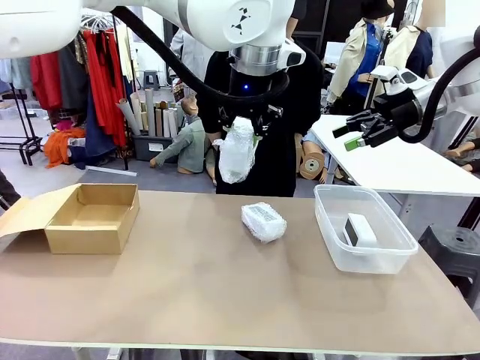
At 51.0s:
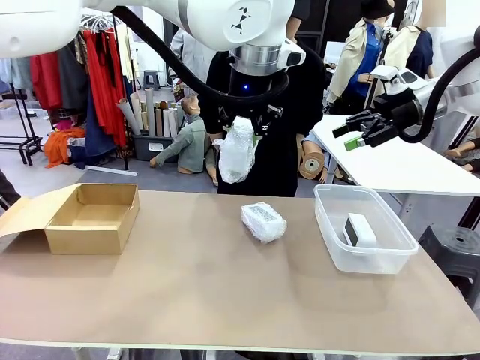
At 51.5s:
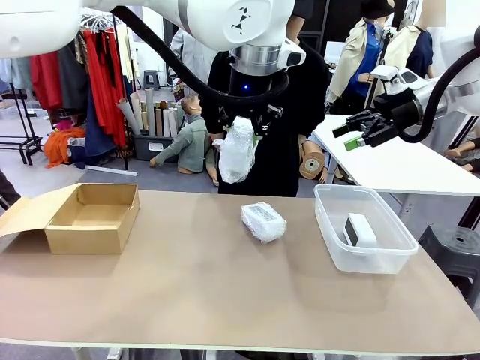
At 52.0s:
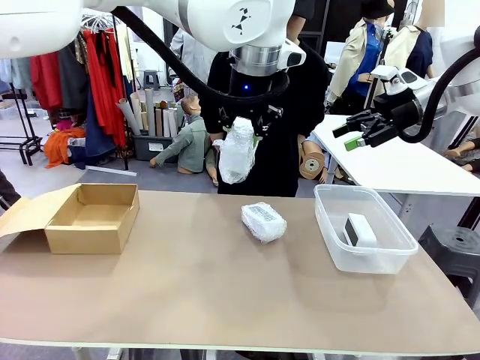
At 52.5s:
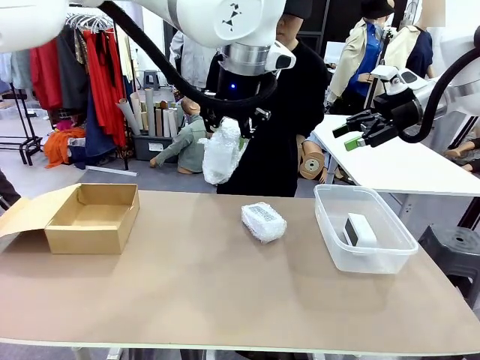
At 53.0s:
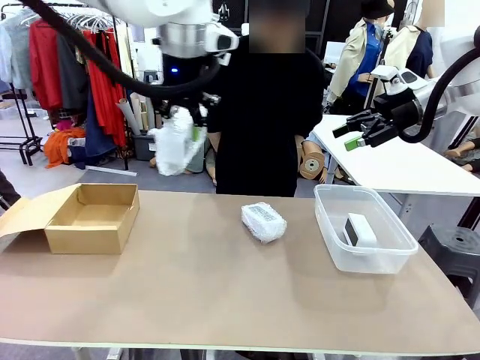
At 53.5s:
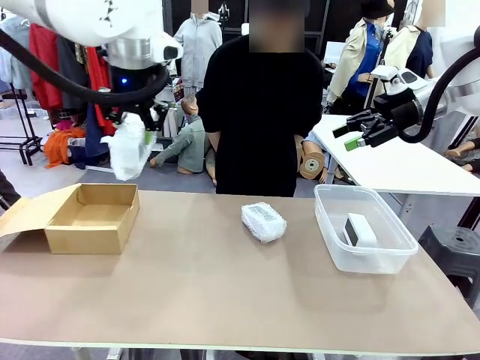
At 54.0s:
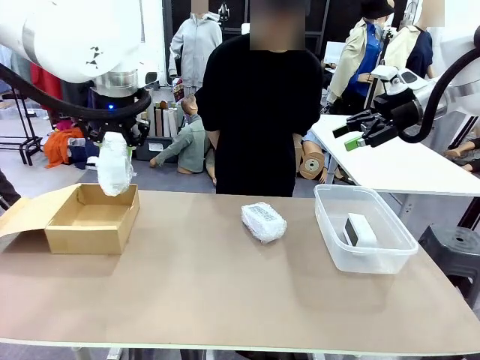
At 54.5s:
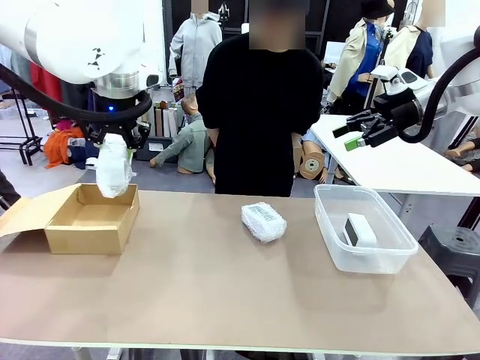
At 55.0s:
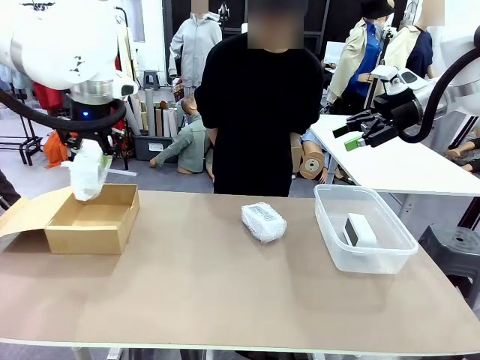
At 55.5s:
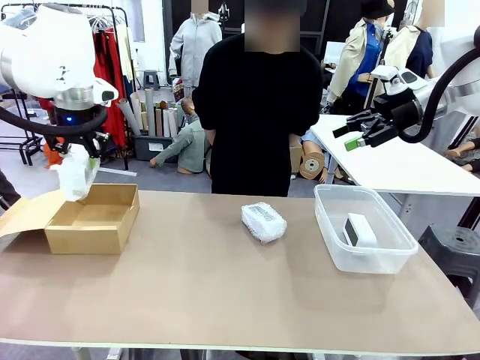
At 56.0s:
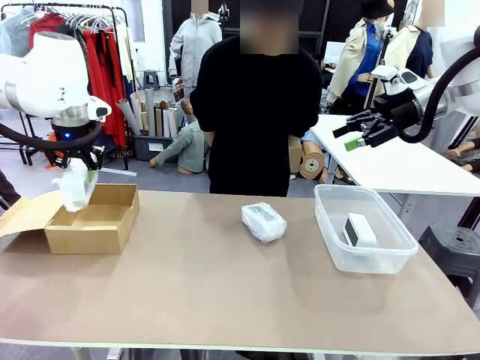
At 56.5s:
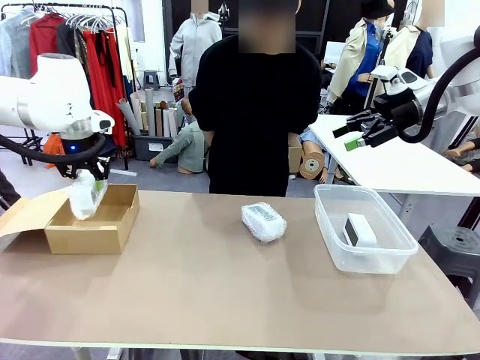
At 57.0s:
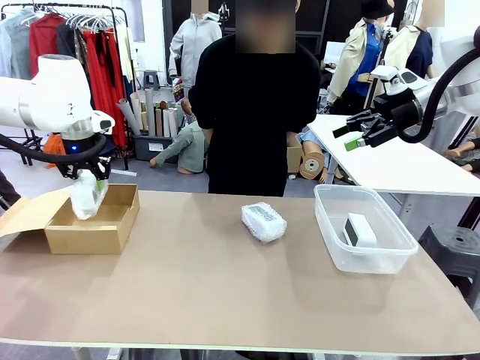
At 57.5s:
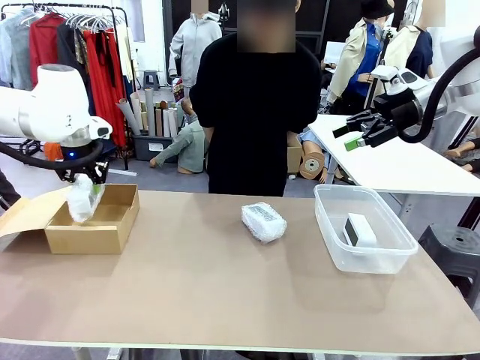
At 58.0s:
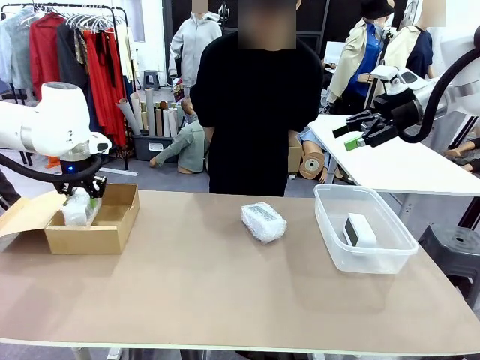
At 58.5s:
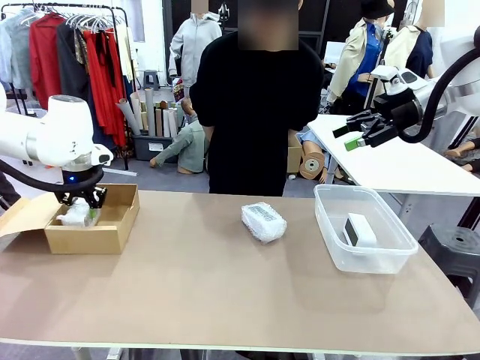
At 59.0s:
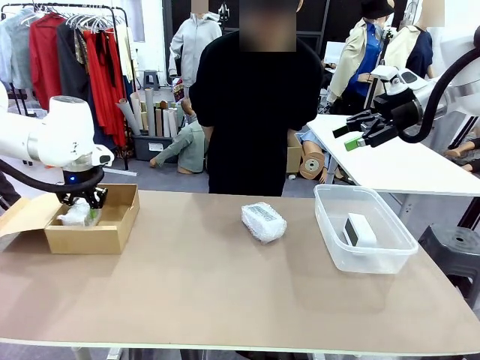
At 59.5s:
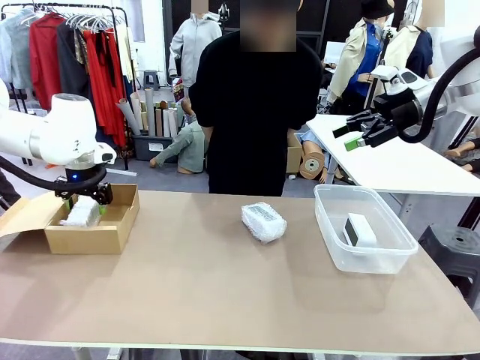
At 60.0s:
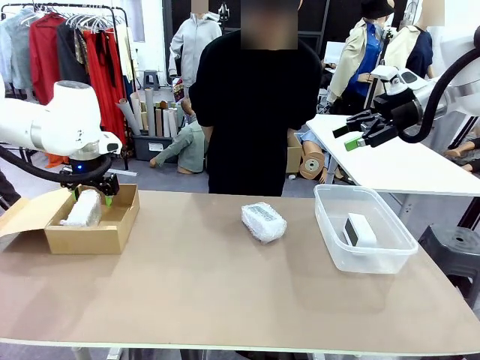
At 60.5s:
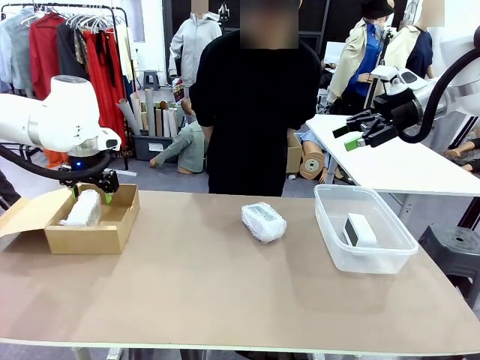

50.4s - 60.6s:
Task: Separate and place wrapped and unwrapped clocks.
Robot: If the picked Digital clock is wrapped, place it in the Package Box ; if not, place it in the Organizing box.

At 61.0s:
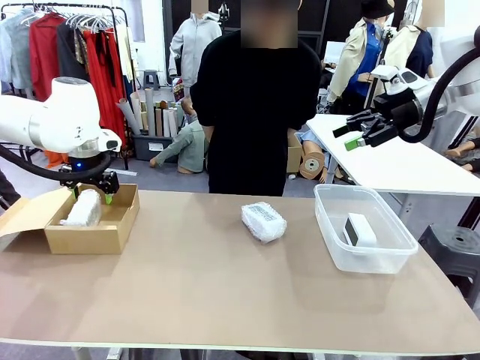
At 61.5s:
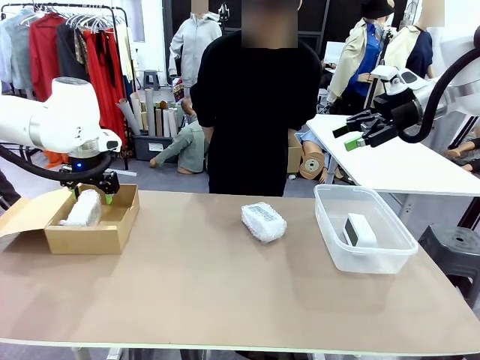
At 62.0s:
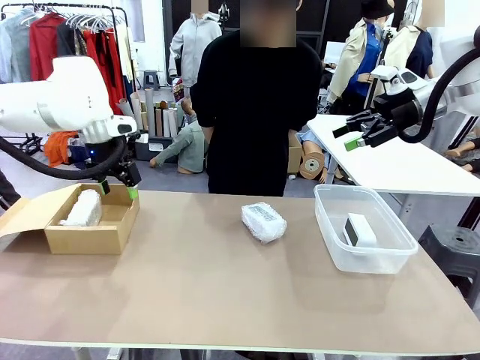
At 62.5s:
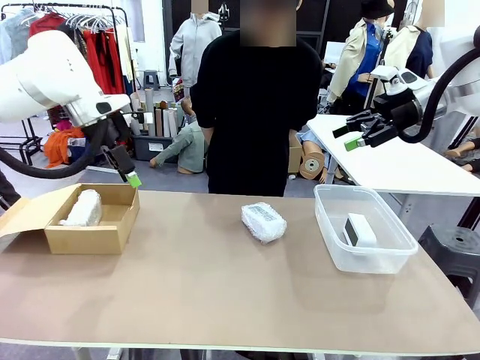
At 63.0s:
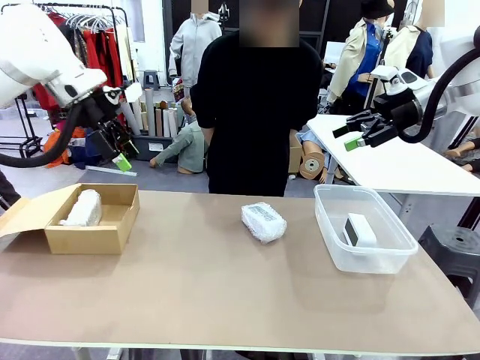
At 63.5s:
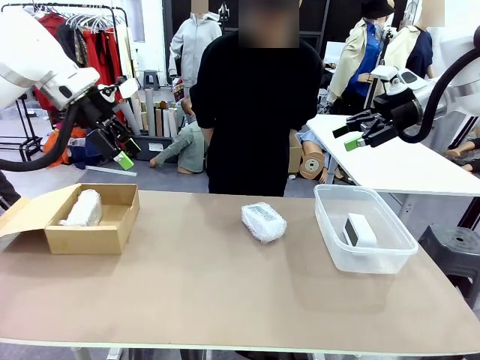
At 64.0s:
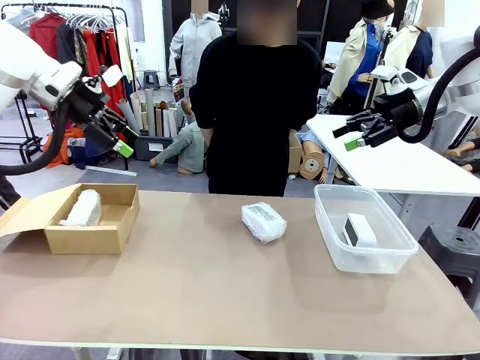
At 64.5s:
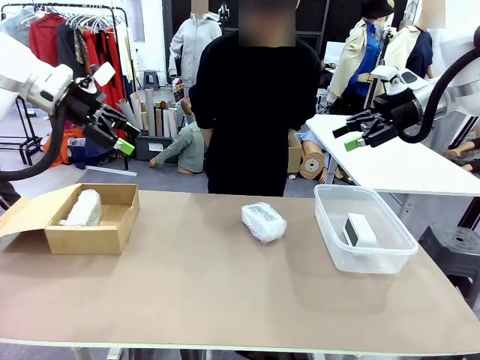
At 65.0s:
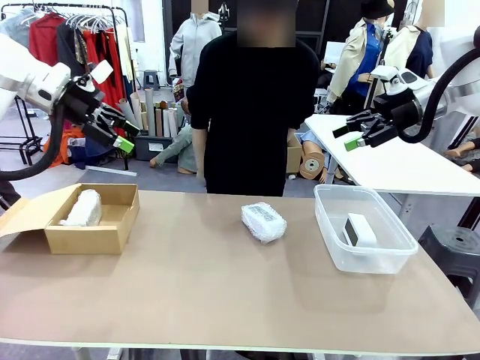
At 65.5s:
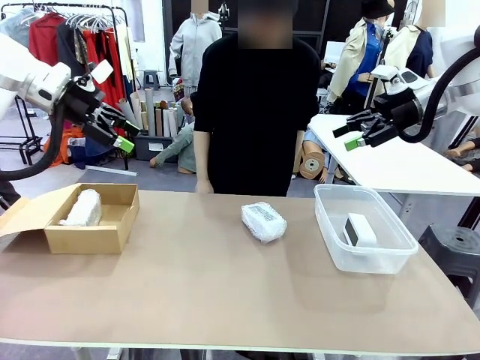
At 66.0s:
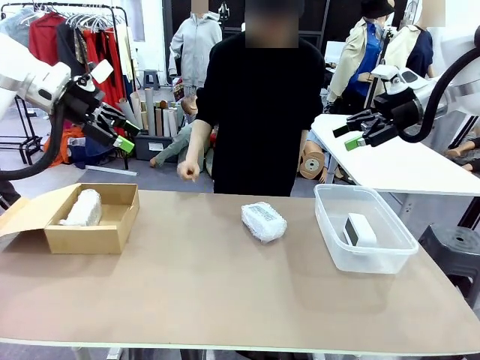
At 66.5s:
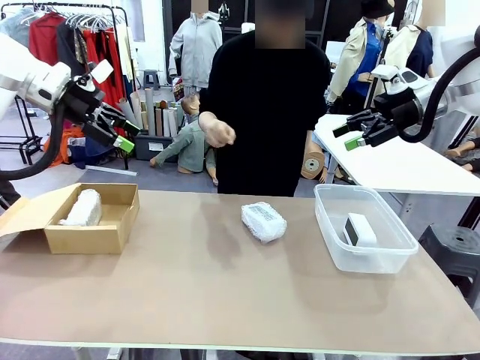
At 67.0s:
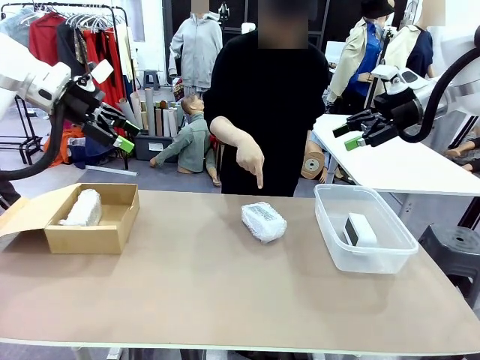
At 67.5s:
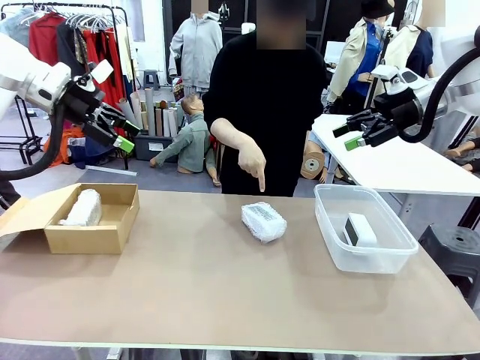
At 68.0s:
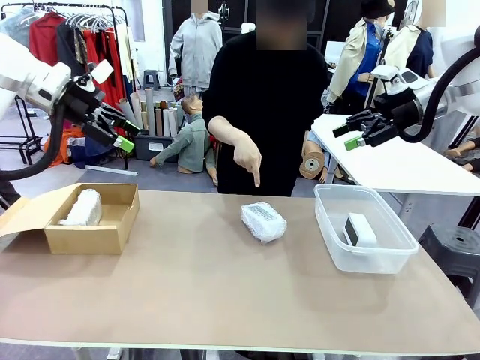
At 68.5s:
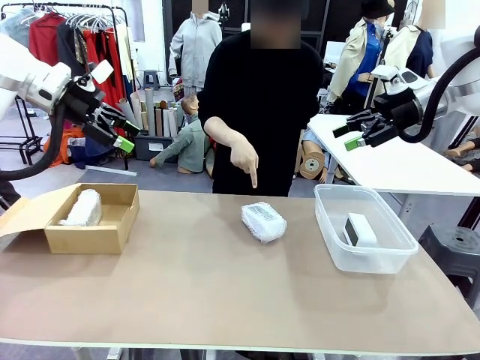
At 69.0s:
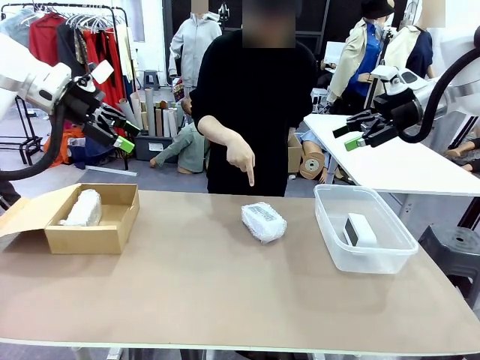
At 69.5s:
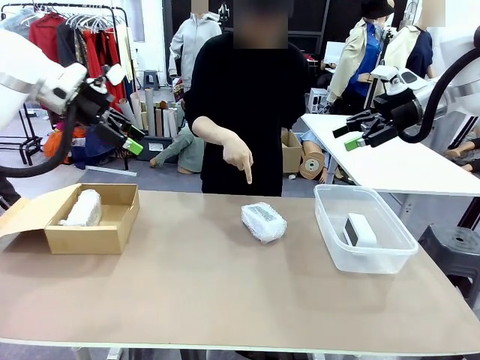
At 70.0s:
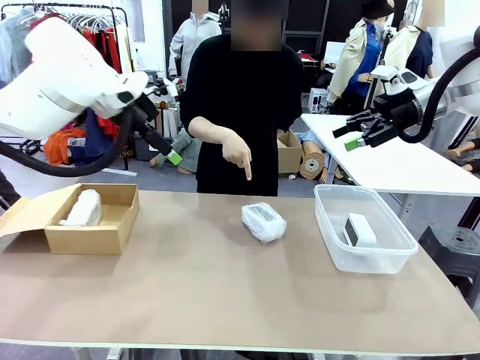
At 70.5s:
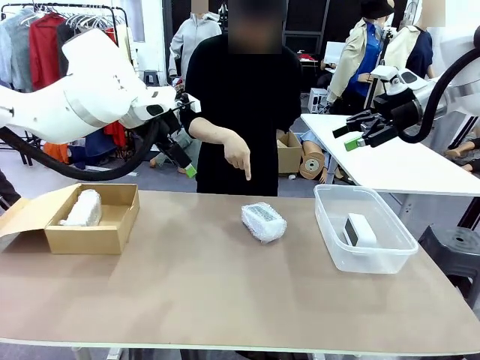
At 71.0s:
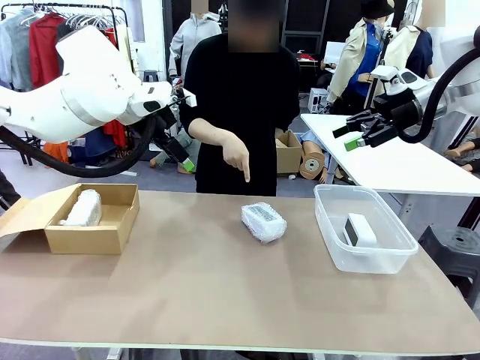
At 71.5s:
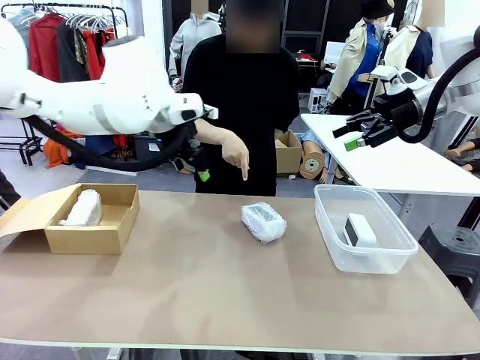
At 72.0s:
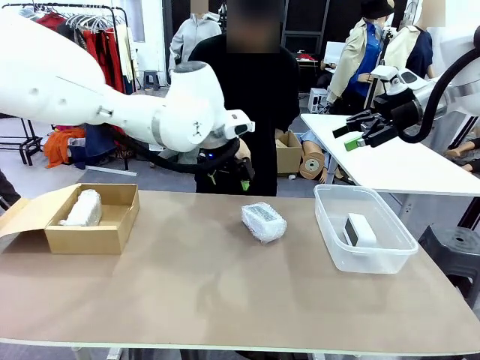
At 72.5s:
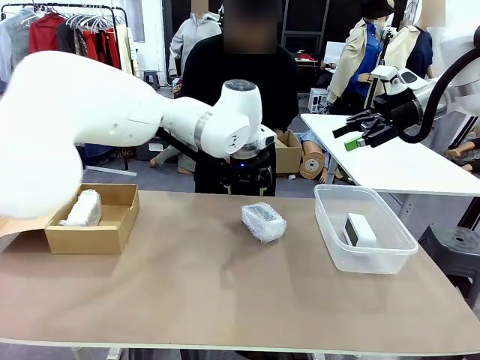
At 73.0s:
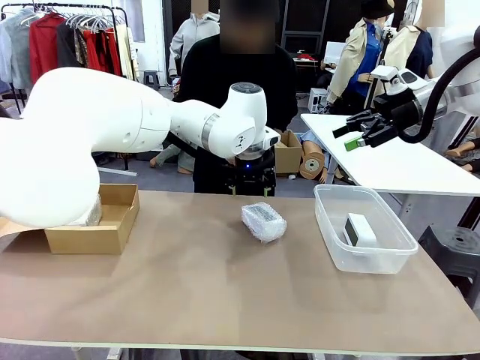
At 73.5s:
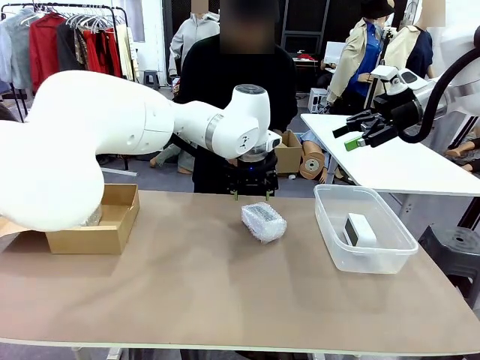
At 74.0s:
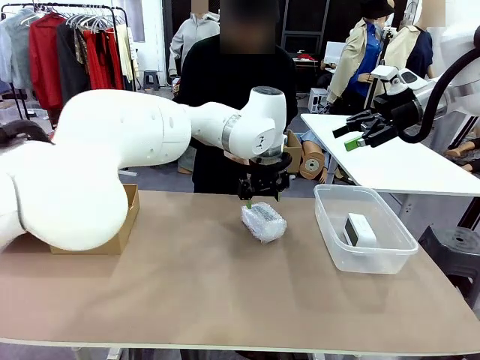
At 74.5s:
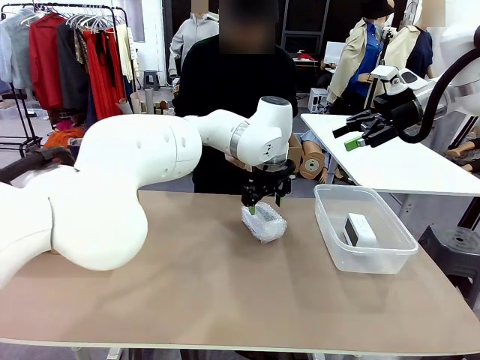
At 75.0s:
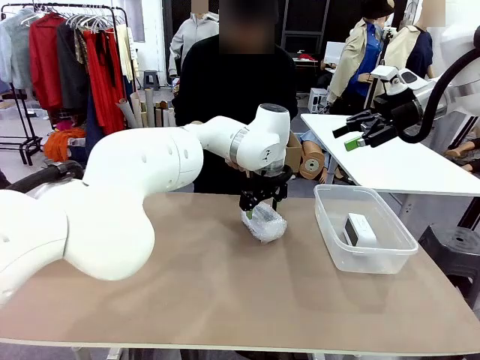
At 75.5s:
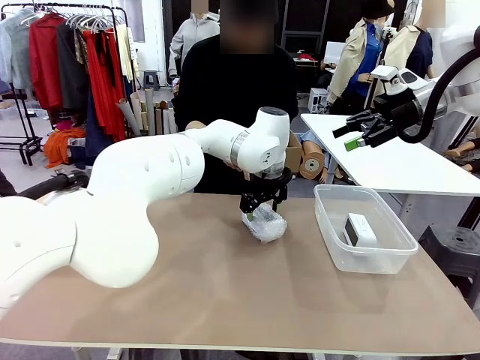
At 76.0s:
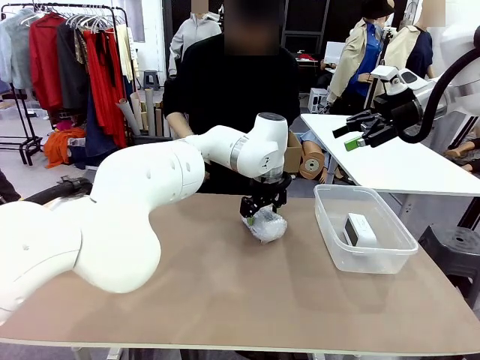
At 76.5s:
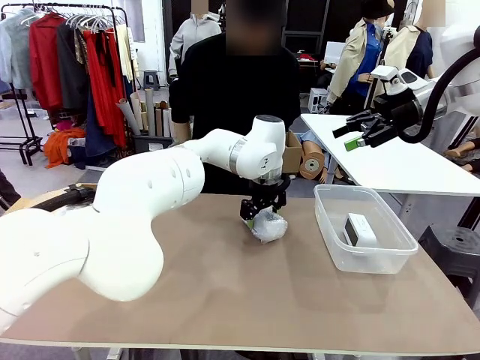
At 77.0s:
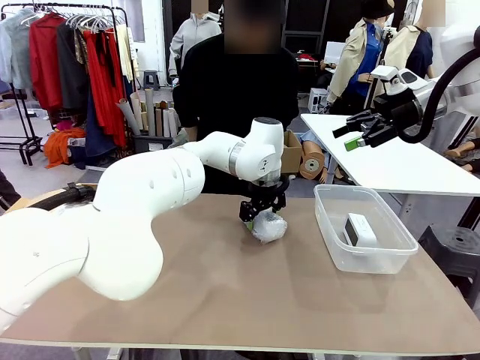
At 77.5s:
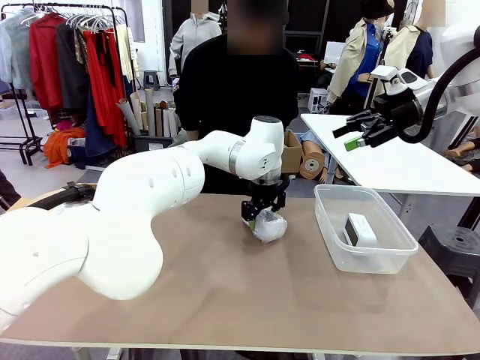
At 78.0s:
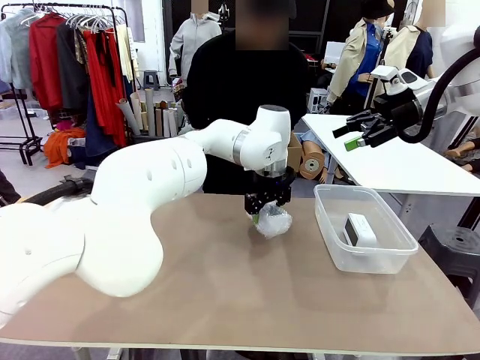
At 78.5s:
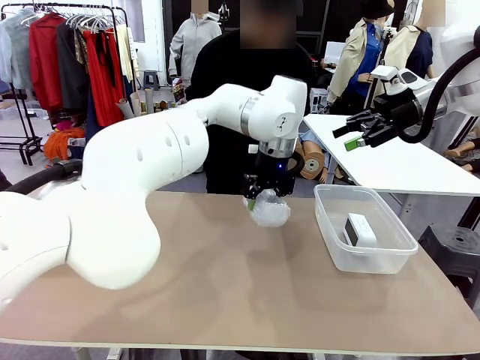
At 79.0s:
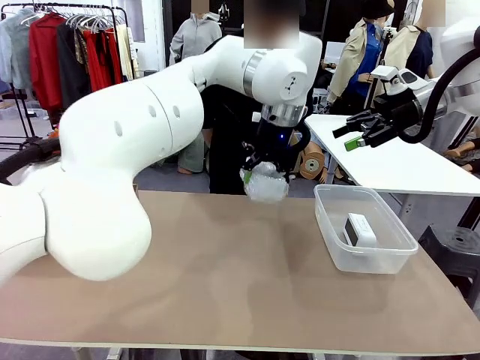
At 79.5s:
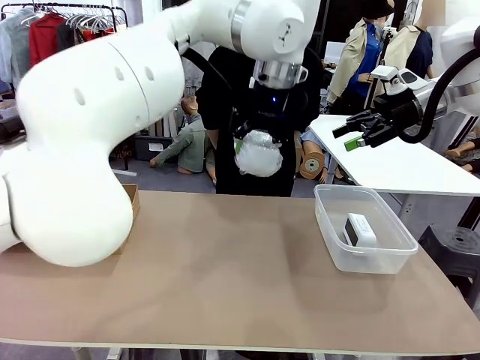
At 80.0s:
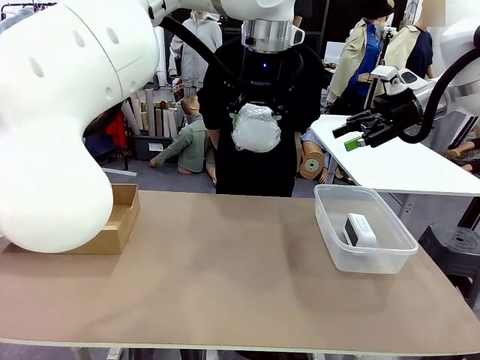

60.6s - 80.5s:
Robot: Pick up the Digital clock indicated by the person.
